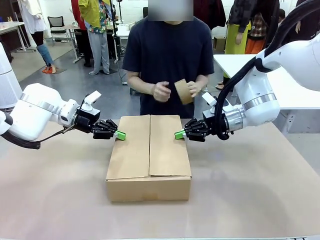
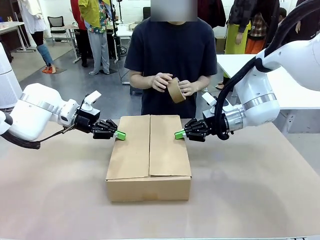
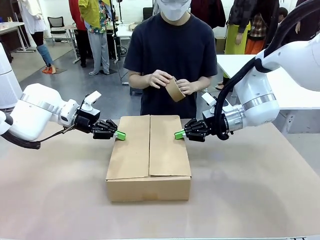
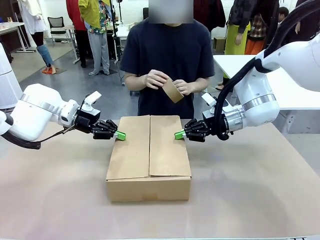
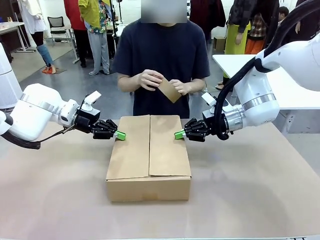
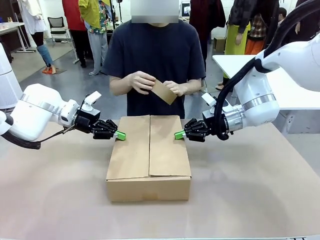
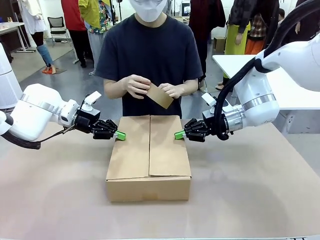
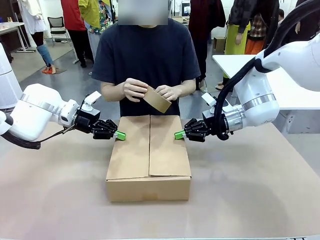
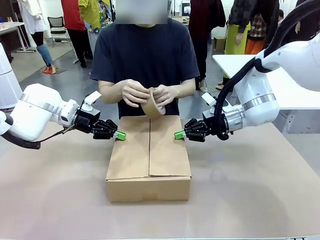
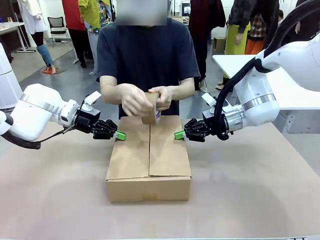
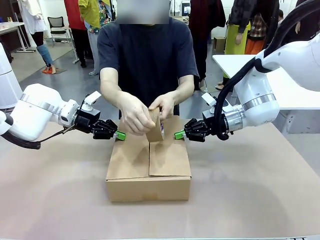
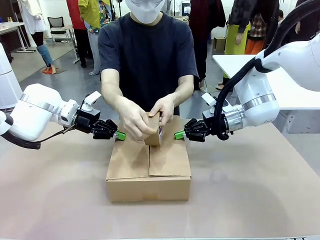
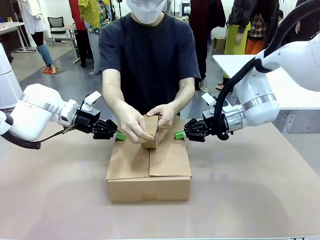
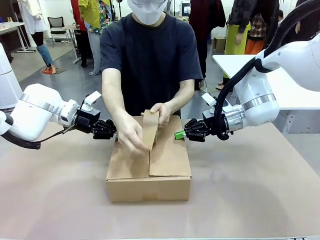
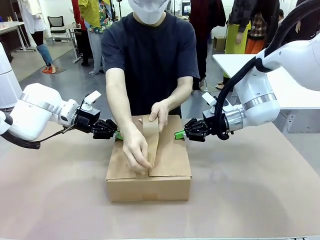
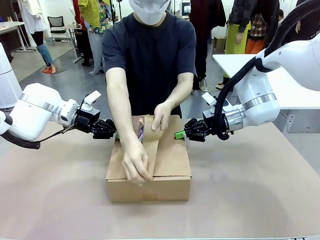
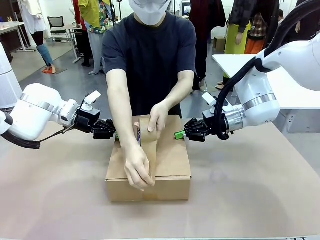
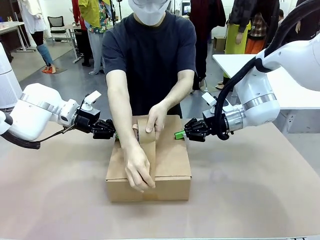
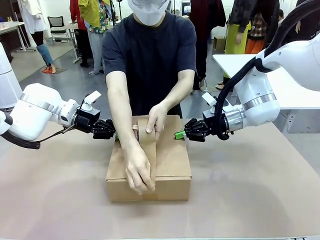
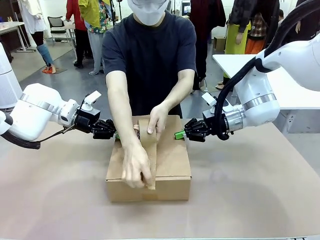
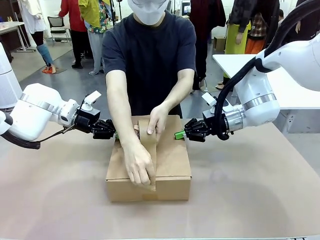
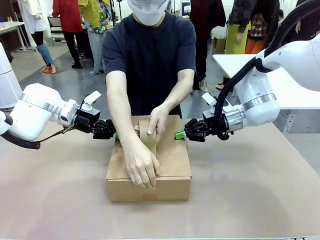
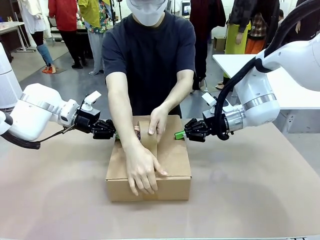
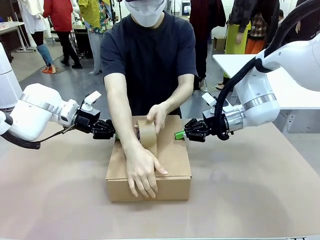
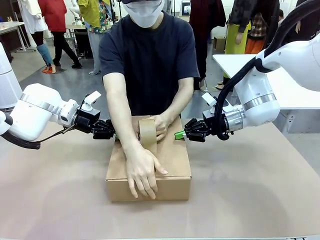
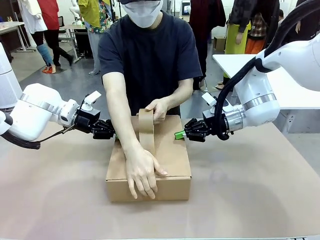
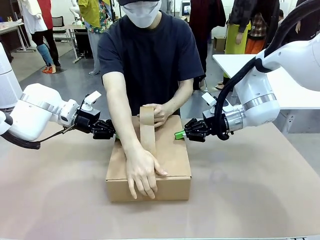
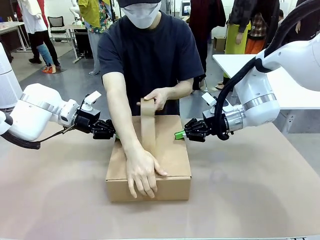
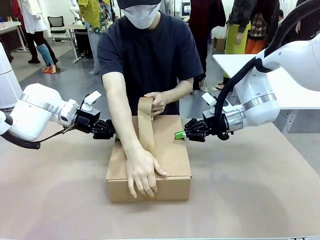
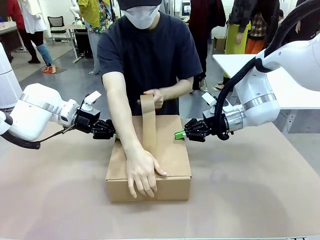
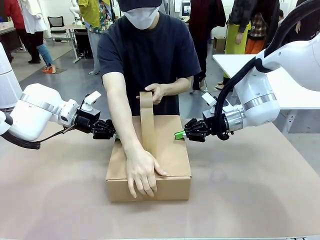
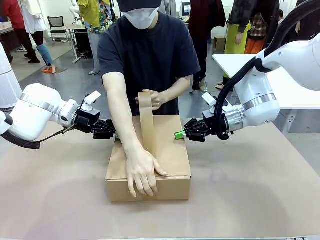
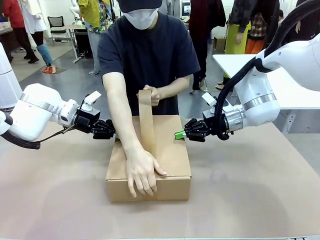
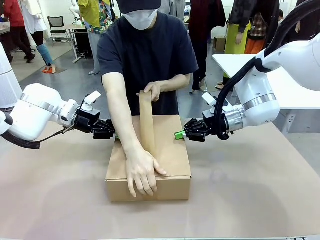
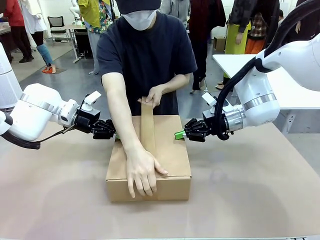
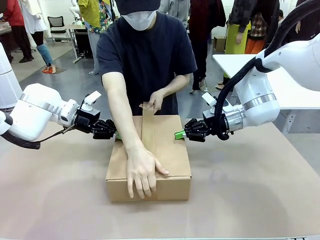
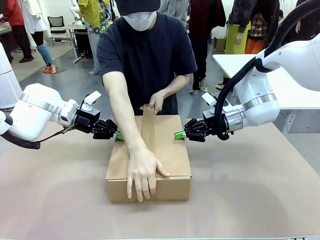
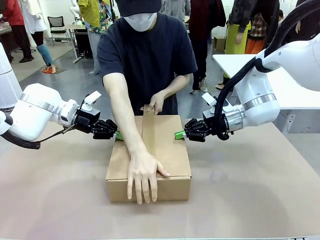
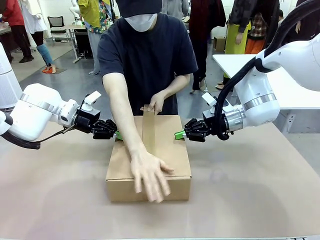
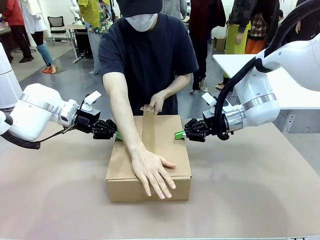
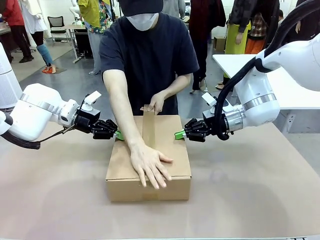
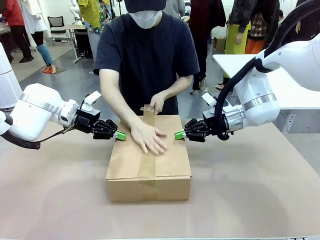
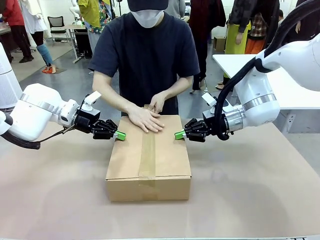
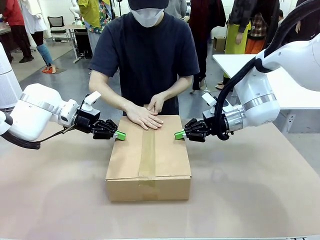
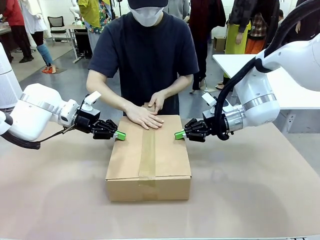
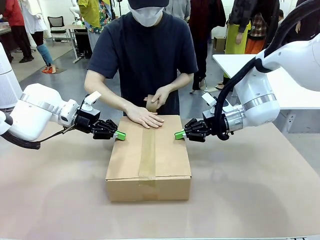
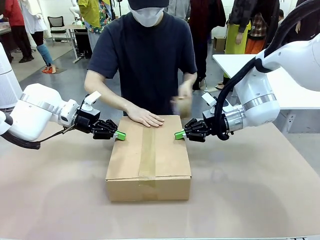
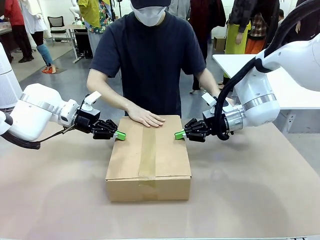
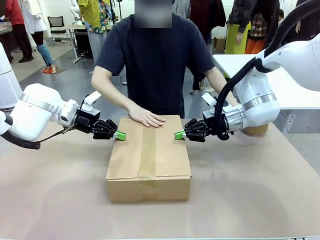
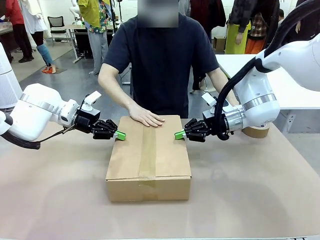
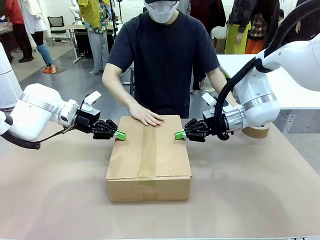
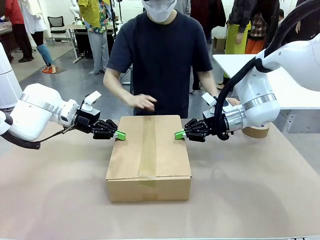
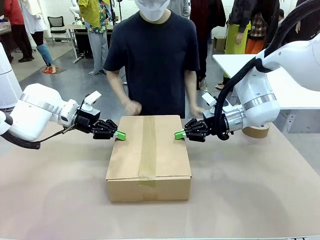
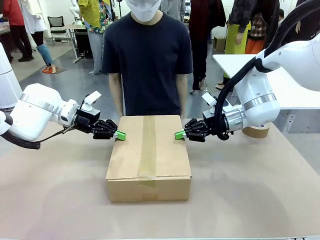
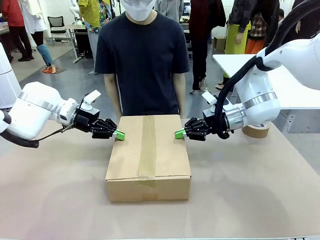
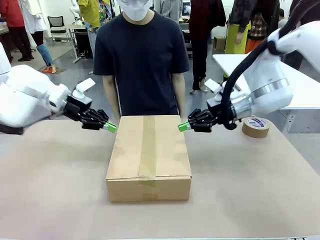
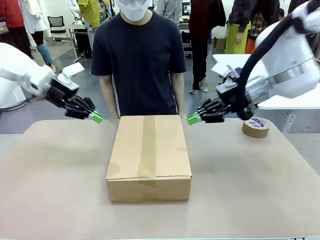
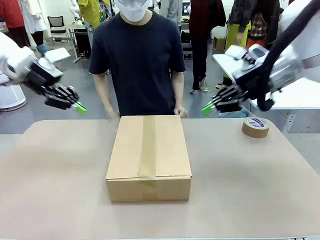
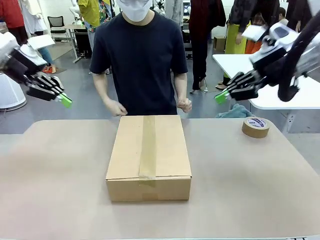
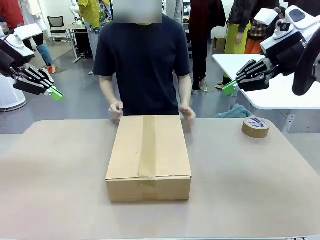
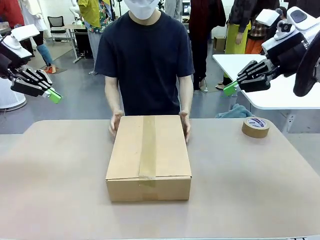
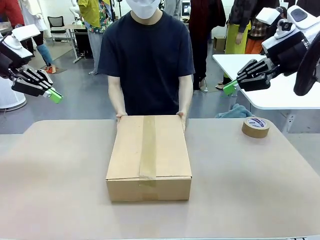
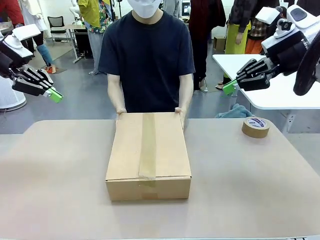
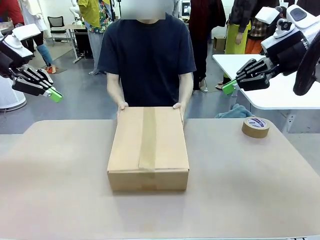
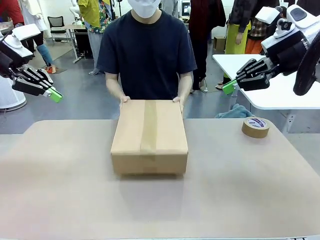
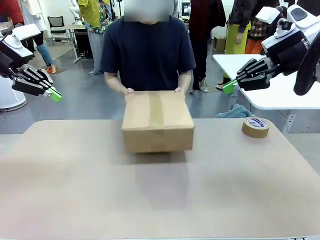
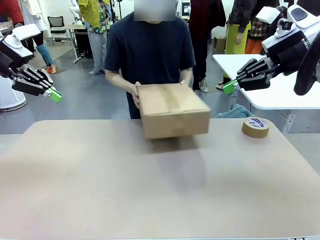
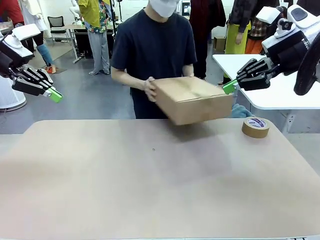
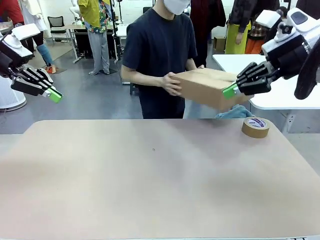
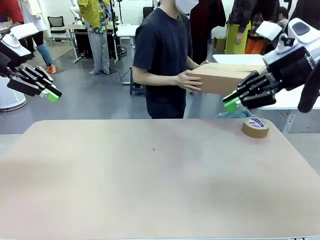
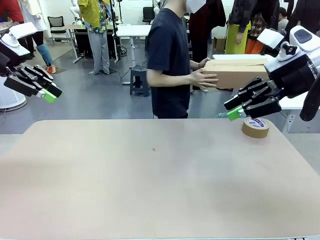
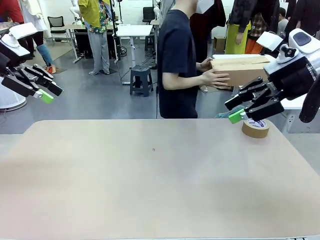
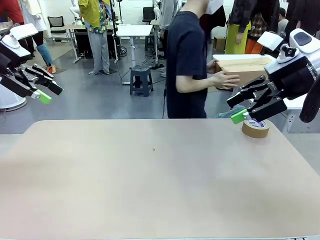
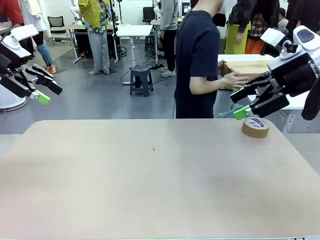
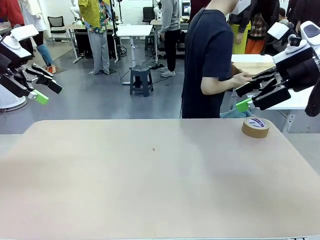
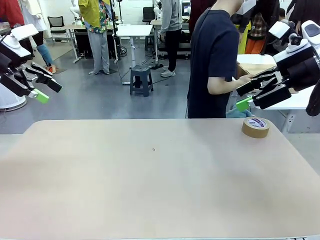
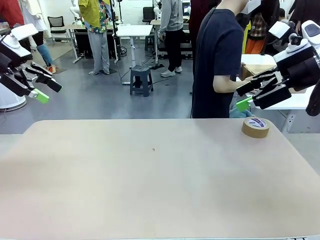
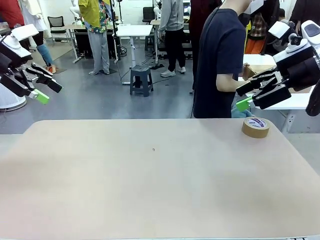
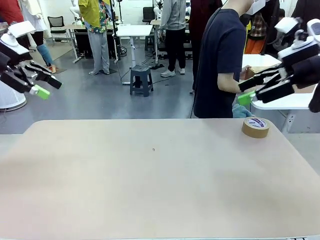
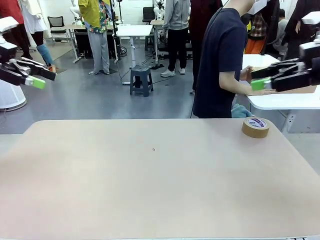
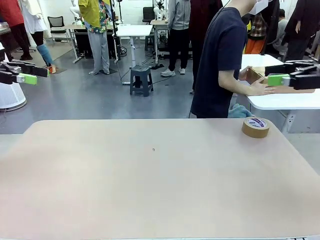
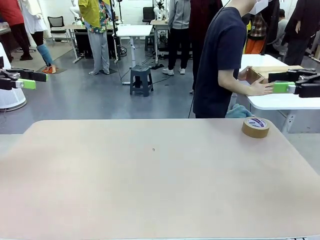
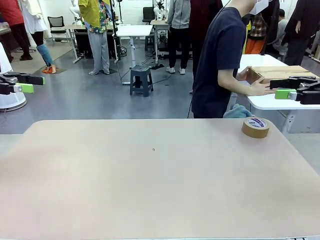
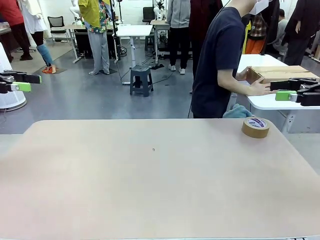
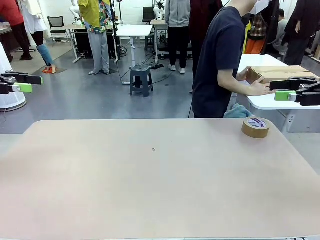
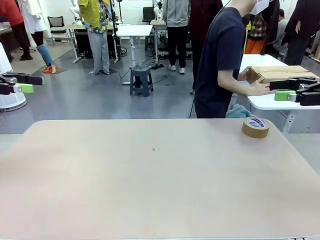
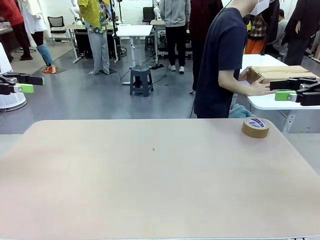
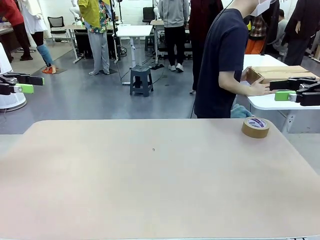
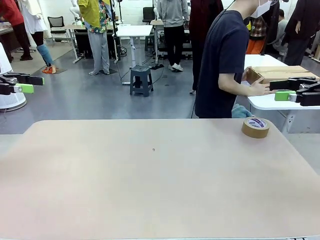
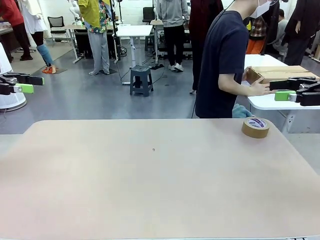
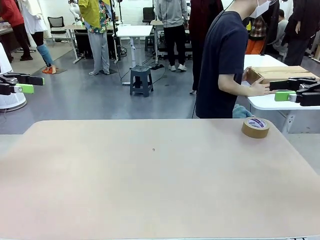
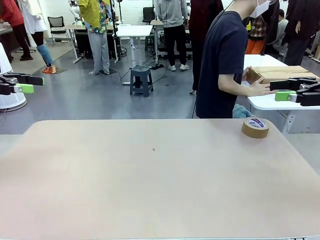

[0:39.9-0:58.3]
Task: Wrap the clocks to prevent damage.
Robot: After the human seals the box with tape, release both hands from the side flaps of the Package Box.
Person: Once the robot closes the left flap of the Package Box , seal the box with Paper Tape. Place sealed Package Box in the middle of the human's table.
